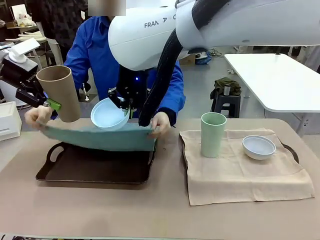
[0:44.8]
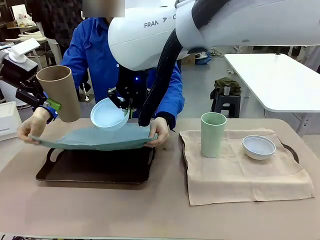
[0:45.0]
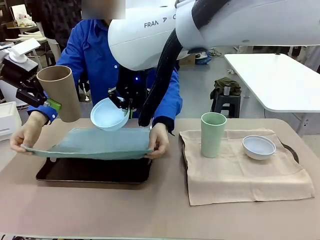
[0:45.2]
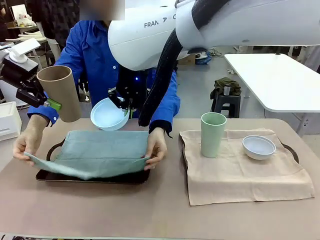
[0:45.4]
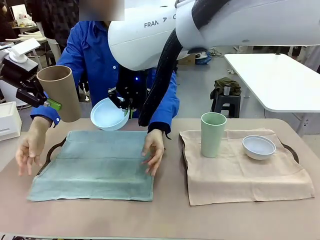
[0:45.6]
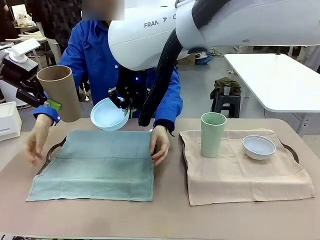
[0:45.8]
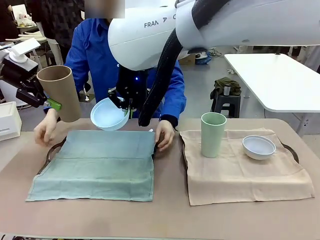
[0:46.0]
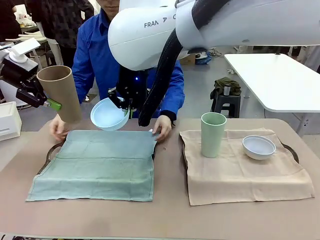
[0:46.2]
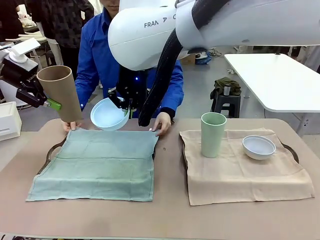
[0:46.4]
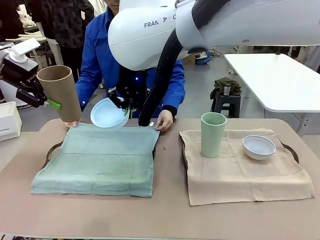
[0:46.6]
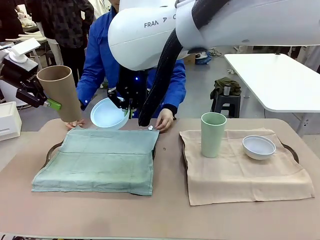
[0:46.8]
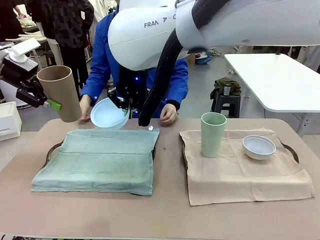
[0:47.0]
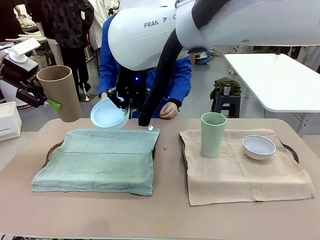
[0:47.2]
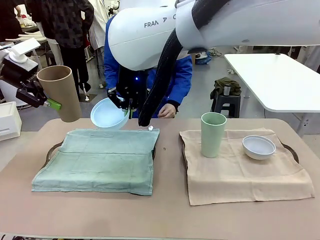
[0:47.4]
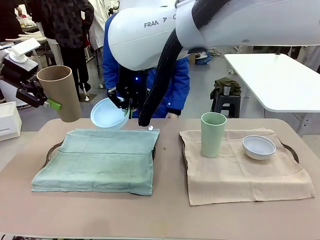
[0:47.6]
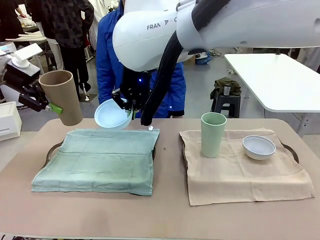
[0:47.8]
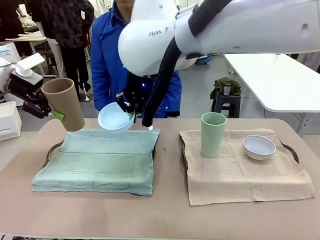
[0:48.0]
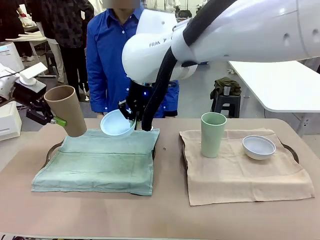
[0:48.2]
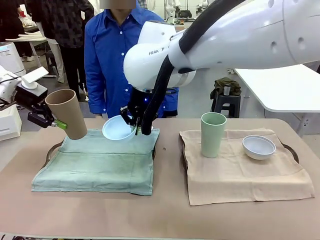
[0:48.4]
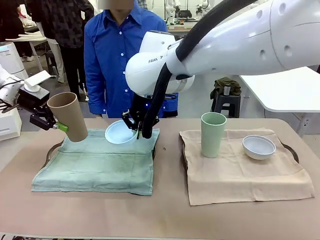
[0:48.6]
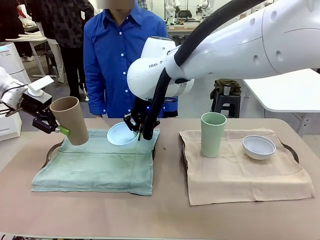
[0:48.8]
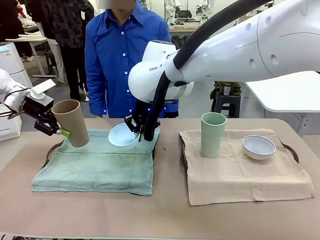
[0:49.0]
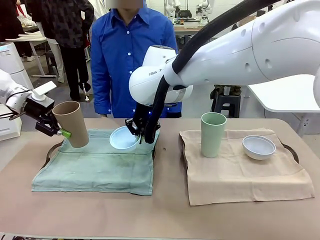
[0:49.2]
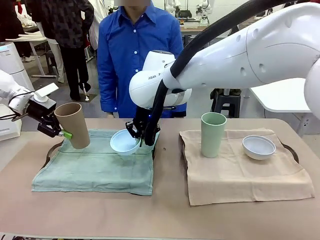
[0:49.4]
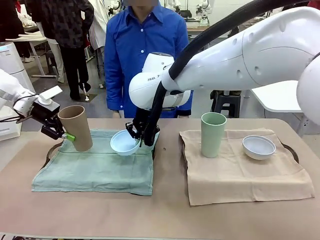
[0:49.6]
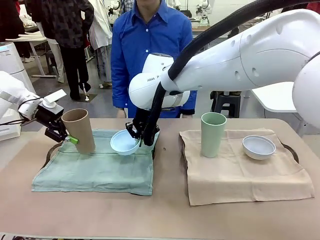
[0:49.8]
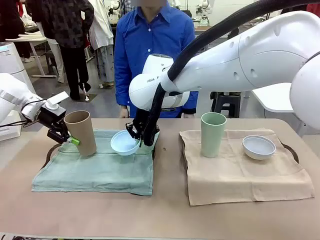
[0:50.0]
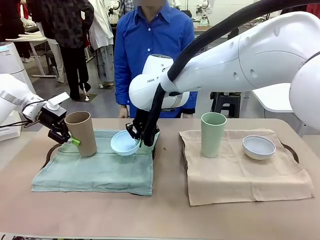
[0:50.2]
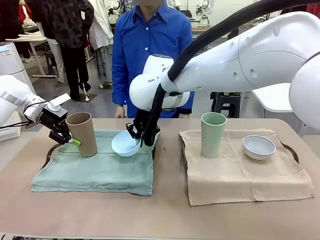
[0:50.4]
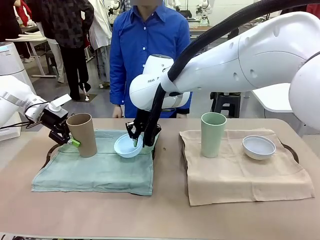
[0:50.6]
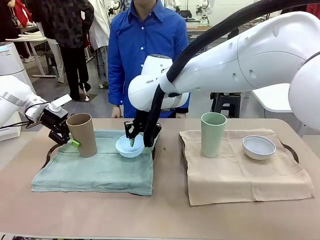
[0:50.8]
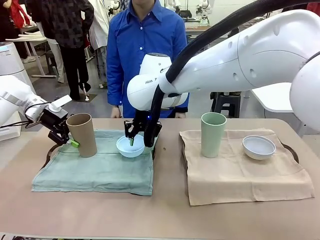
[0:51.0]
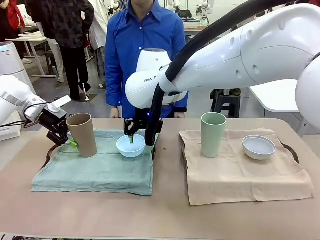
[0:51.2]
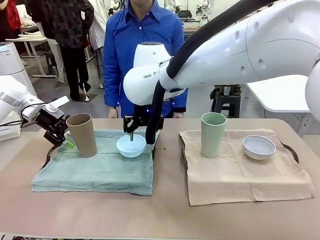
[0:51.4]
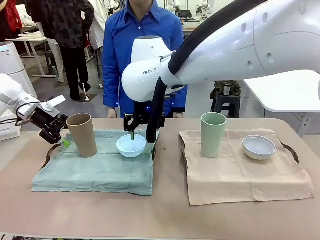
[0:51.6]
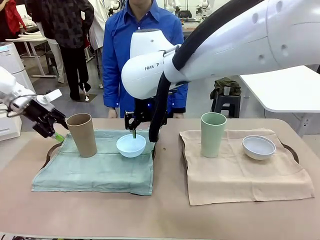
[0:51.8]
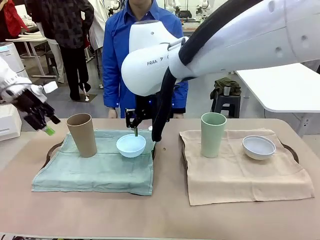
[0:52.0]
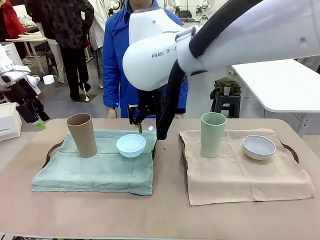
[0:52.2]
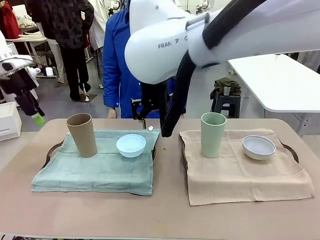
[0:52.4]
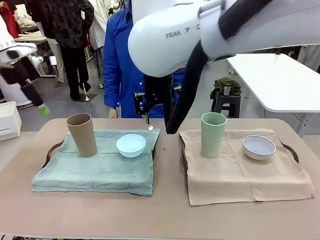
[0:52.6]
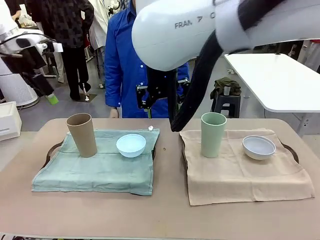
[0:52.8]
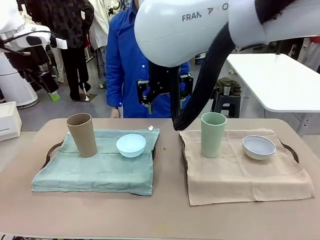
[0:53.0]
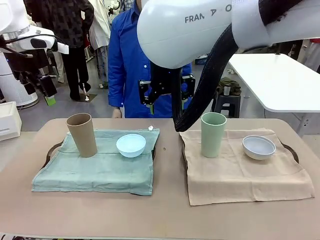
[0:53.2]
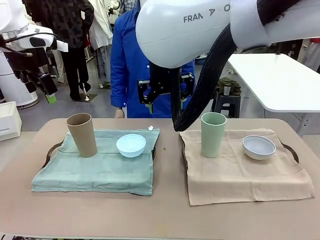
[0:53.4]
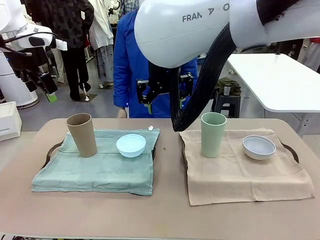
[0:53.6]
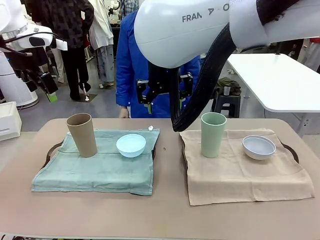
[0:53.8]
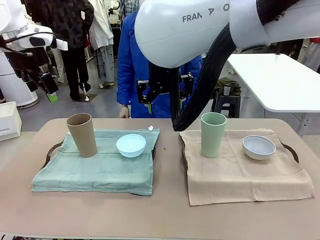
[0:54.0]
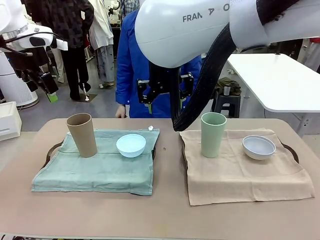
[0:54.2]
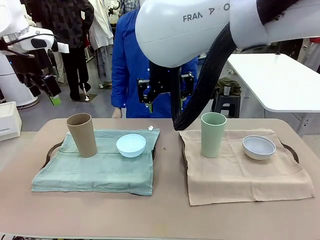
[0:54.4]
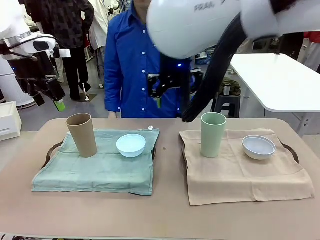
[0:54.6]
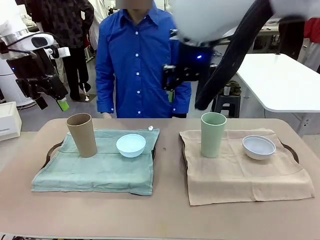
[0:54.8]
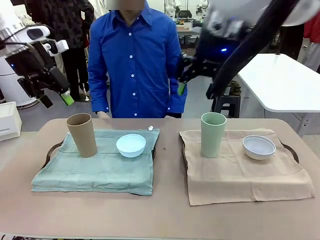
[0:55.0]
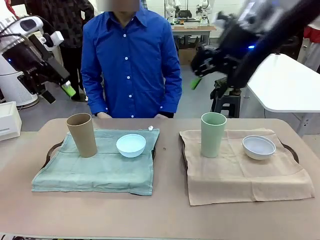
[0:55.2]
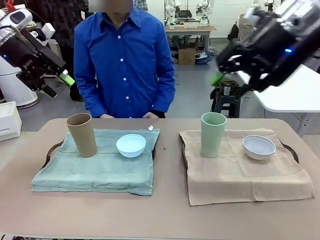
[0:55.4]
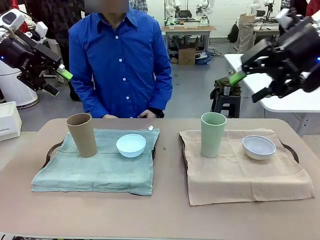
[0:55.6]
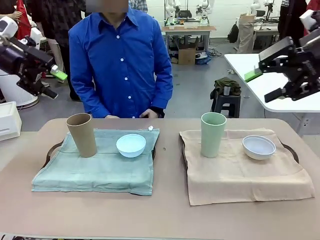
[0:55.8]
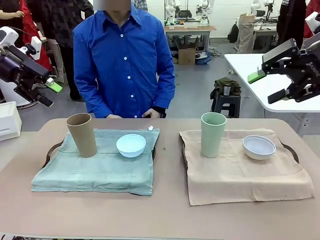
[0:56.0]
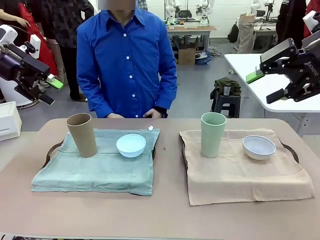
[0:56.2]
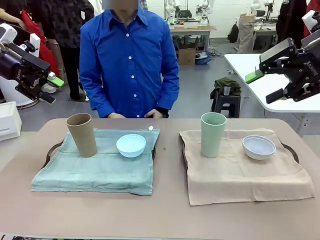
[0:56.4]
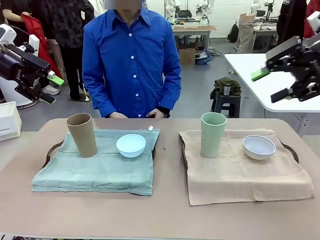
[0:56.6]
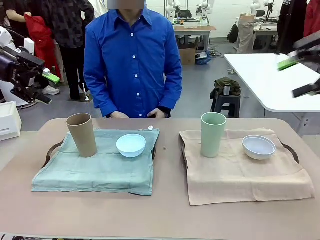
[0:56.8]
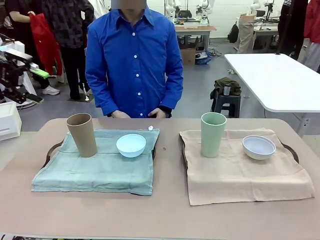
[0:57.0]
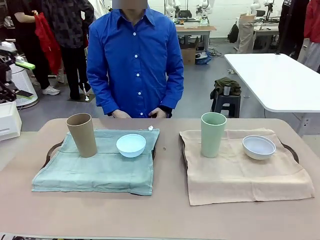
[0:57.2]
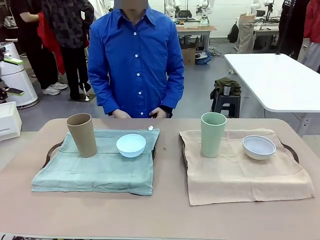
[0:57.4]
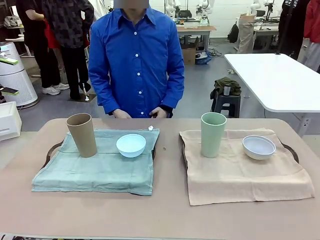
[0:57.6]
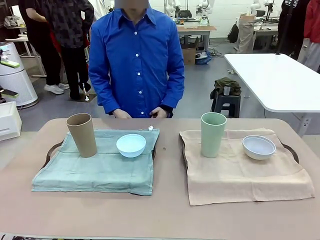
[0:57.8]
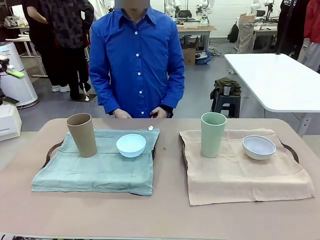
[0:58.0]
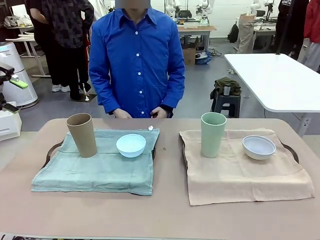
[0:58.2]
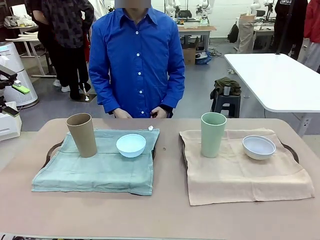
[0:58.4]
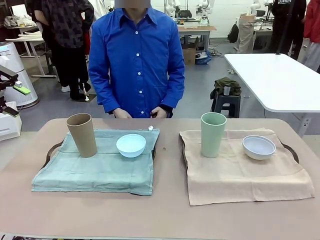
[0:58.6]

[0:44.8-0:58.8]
Robot: Place the Picnic Bowl and Reusable plastic cup back onto the Handle tray in front of the human's position.
Person: When the robot lifts the bowl and the cup, the human unfolds the napkin and lays the napkin flat on the tray.
